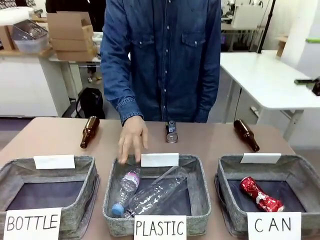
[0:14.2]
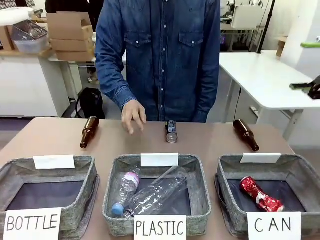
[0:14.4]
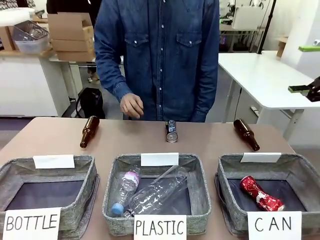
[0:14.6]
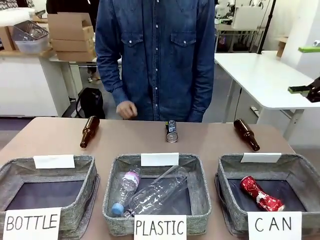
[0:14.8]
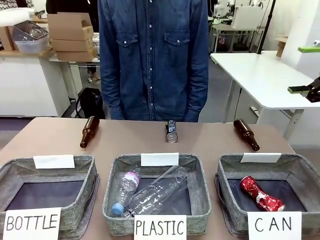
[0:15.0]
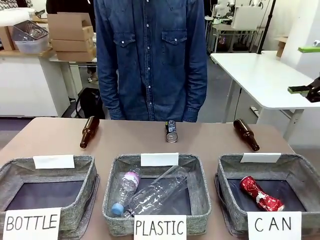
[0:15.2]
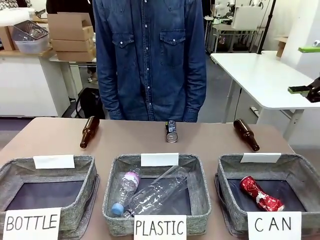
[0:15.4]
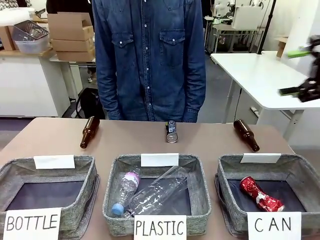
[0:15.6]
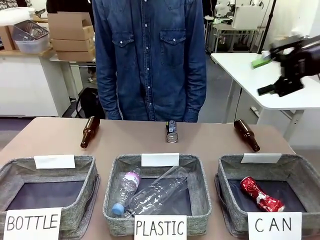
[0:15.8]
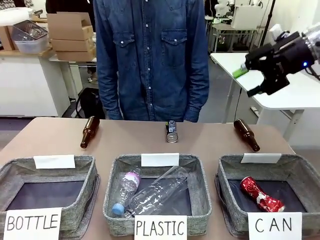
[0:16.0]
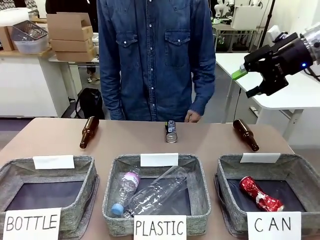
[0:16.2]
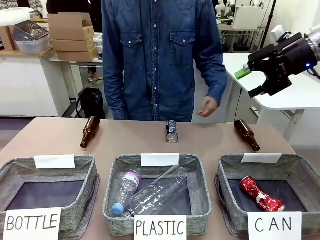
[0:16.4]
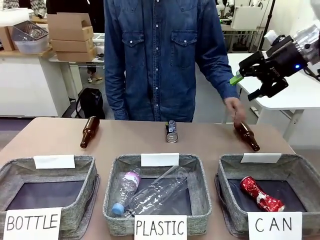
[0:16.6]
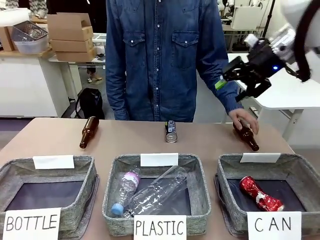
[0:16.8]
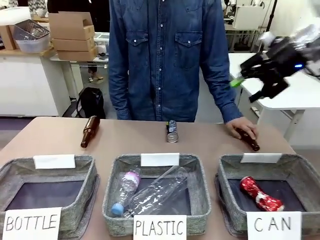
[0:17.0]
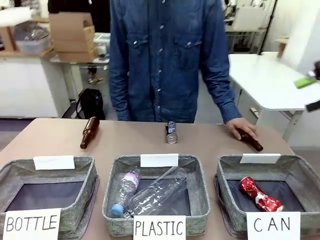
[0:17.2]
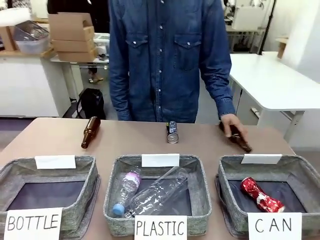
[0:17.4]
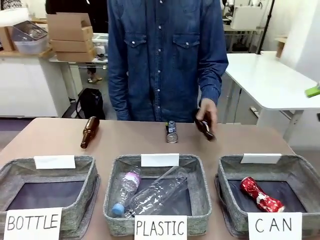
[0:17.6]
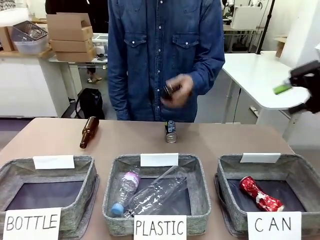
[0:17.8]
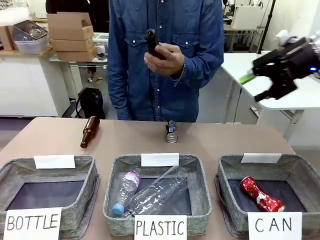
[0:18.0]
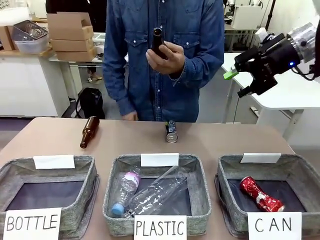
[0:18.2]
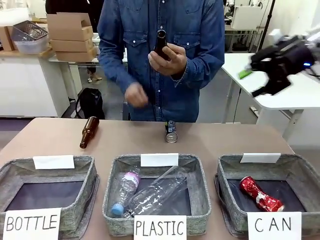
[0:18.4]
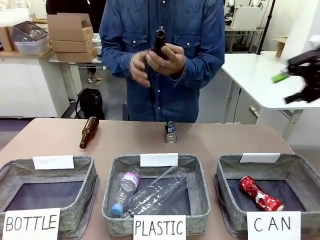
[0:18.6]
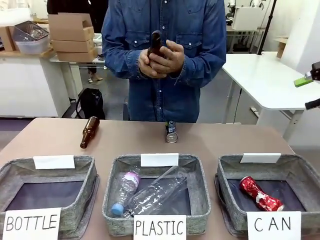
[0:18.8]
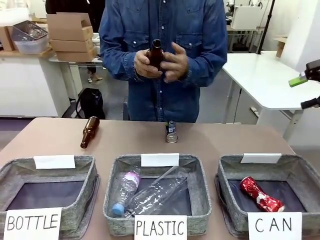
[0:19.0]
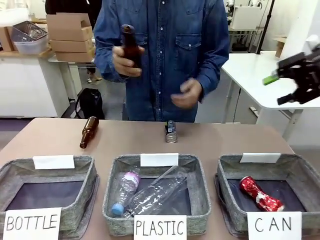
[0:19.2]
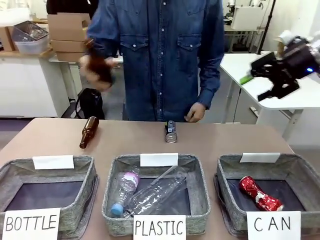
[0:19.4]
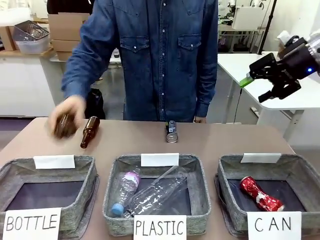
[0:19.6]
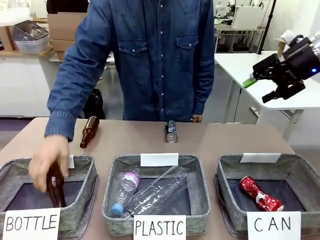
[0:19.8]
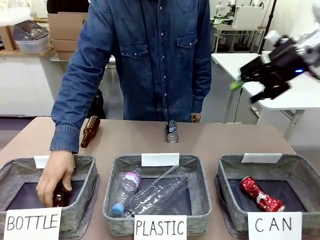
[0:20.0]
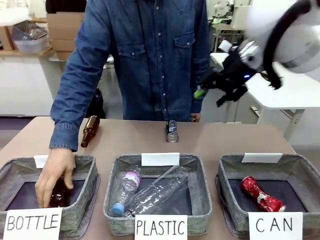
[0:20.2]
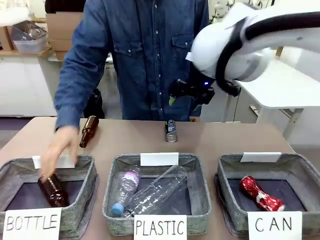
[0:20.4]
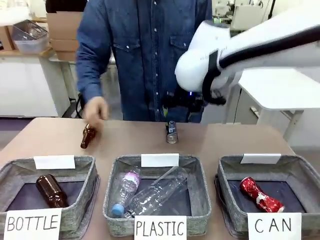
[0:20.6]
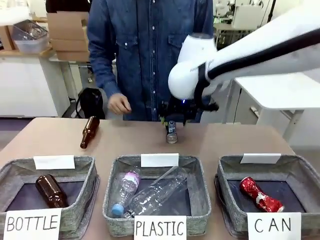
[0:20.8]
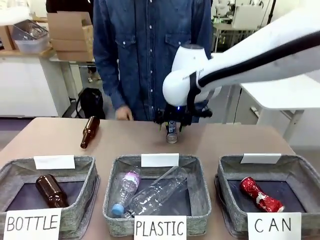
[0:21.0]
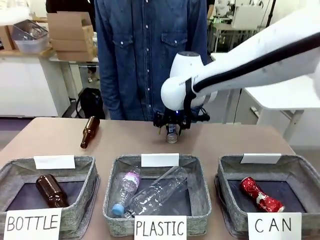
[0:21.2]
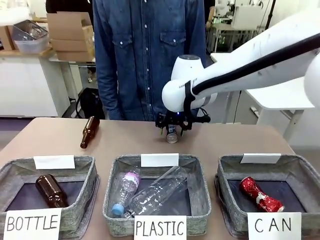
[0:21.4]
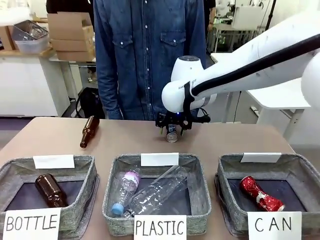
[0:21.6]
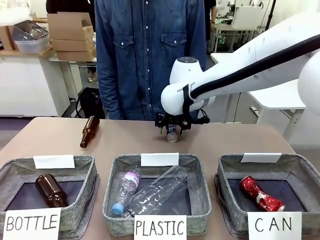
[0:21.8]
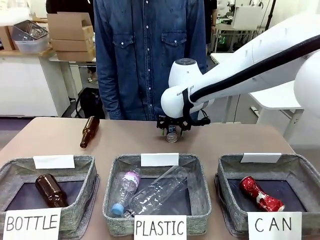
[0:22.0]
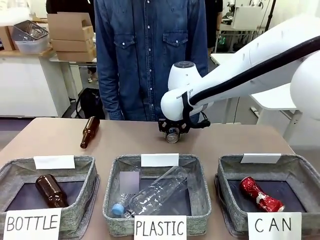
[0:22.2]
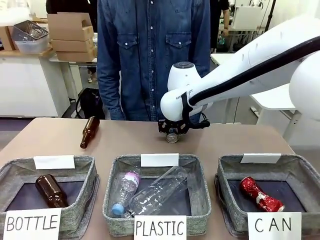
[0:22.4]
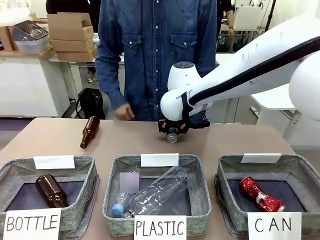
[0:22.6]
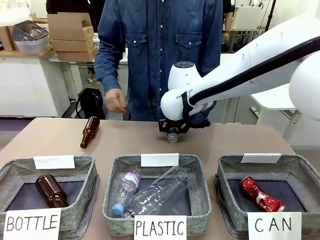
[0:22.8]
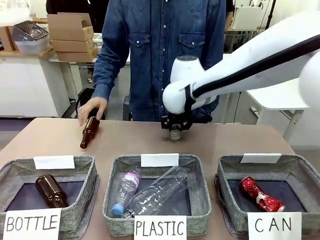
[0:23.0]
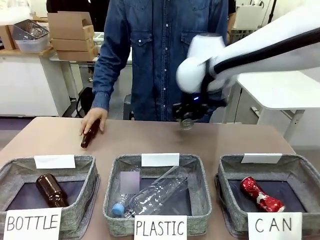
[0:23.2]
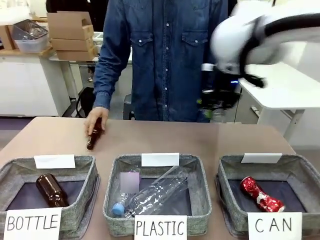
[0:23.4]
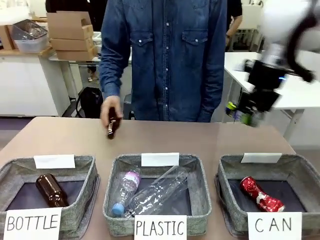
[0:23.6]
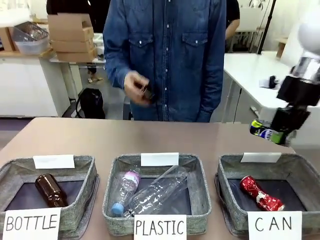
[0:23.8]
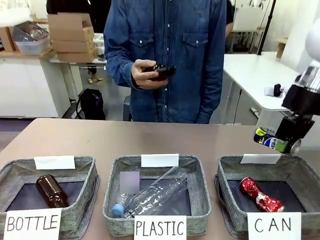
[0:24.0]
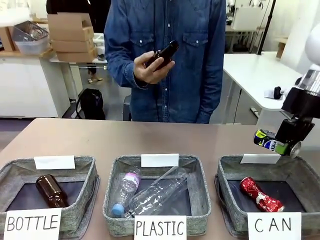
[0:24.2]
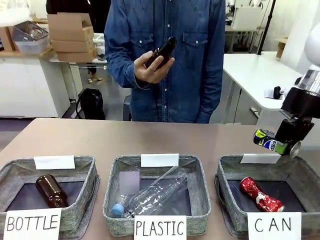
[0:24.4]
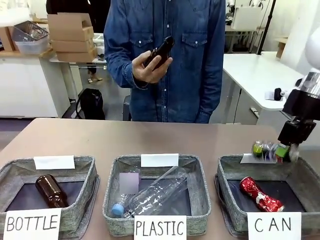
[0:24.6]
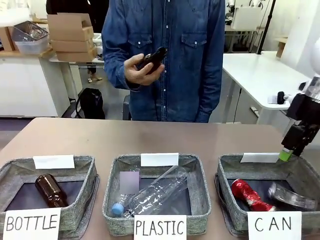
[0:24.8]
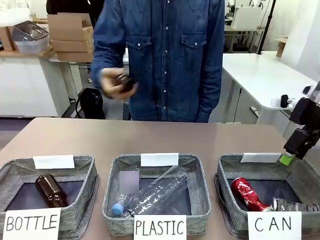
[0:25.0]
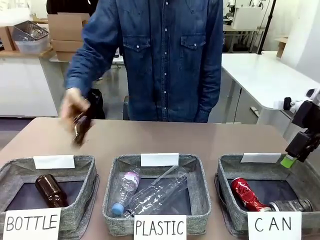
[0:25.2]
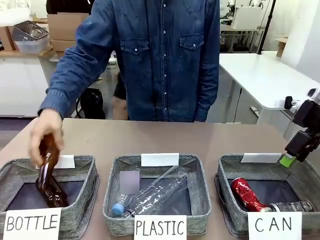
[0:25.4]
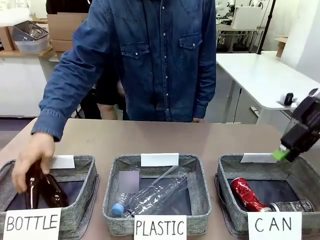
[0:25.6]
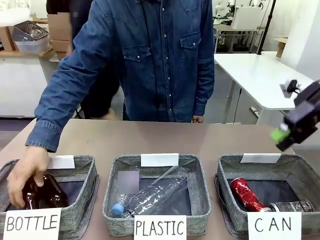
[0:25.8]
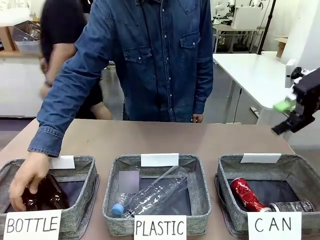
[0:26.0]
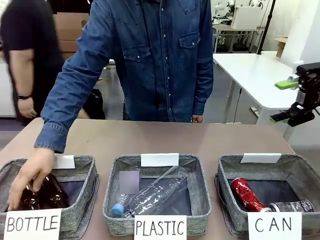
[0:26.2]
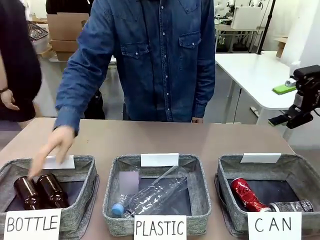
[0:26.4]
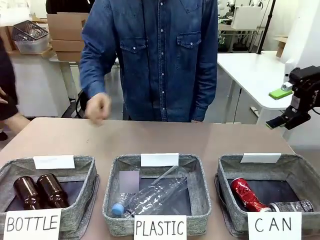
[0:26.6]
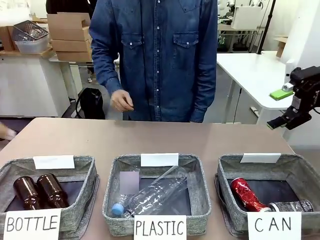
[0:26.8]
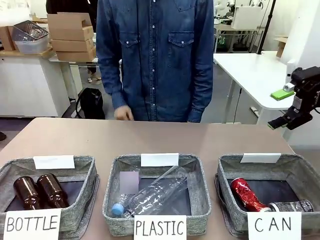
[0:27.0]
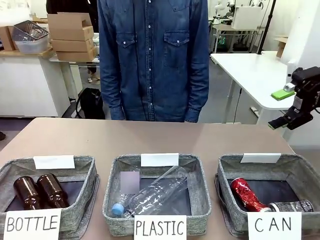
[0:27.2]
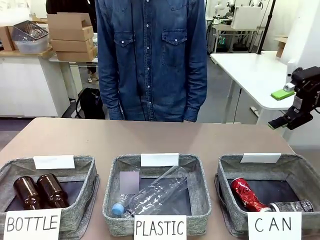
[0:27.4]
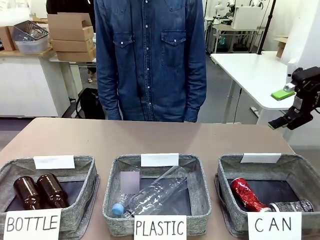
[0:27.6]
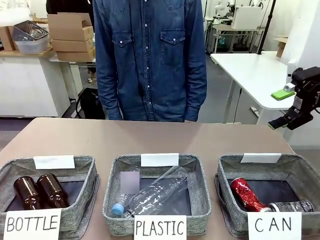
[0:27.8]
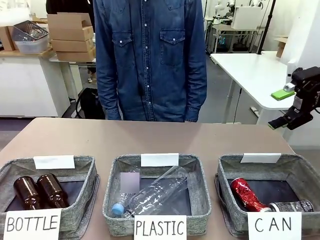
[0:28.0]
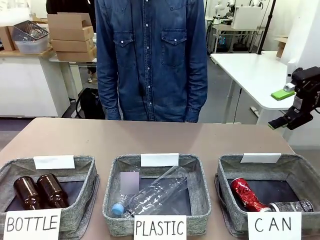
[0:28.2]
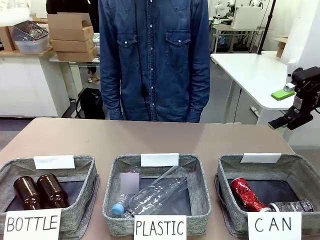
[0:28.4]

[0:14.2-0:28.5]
Task: Sort the can waste into the basket.
Robot: Pick up the can waste from the table and place it in the right Fabric basket.
Person: The human picks up one piece of trash that is not a can and places the trash into the appropriate organizing basket.
